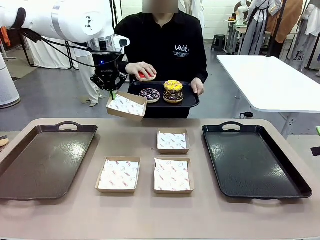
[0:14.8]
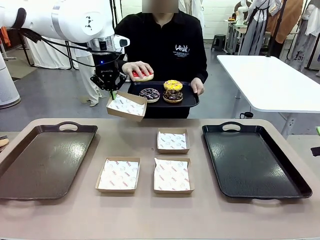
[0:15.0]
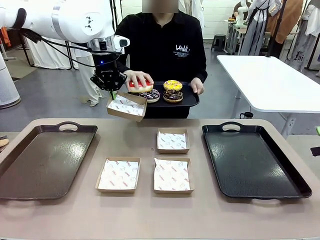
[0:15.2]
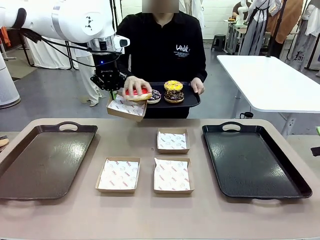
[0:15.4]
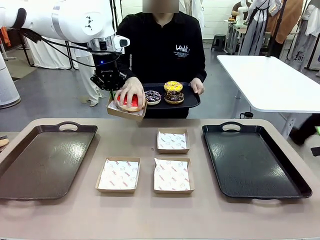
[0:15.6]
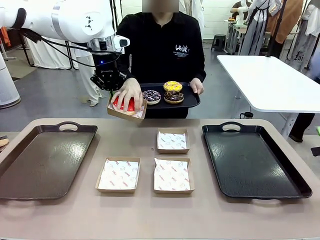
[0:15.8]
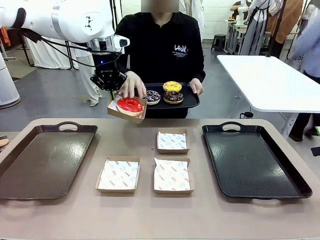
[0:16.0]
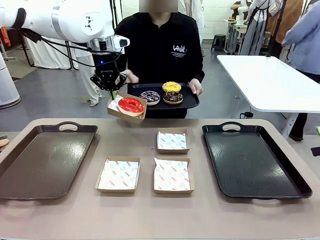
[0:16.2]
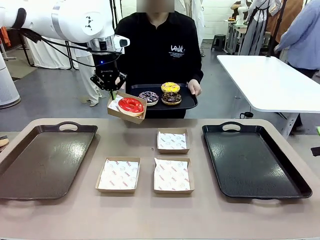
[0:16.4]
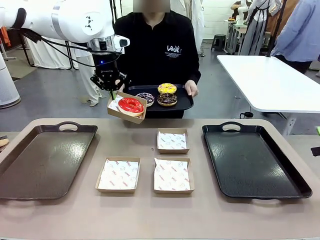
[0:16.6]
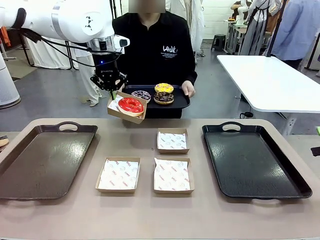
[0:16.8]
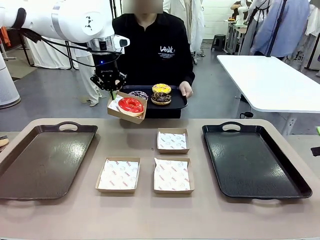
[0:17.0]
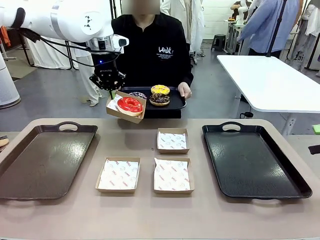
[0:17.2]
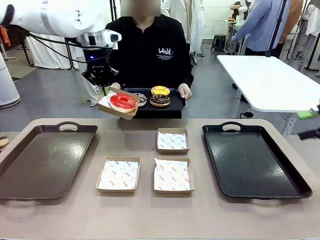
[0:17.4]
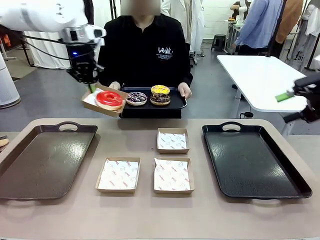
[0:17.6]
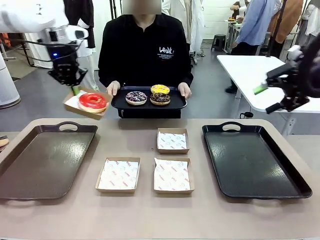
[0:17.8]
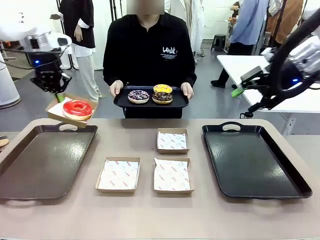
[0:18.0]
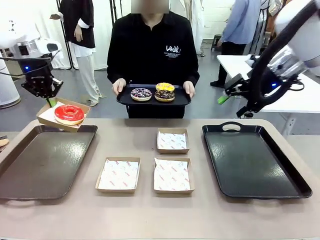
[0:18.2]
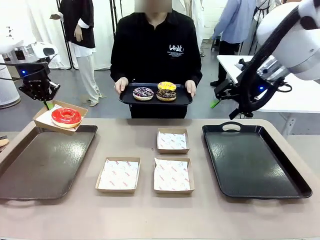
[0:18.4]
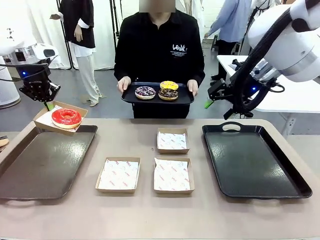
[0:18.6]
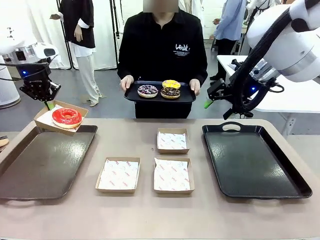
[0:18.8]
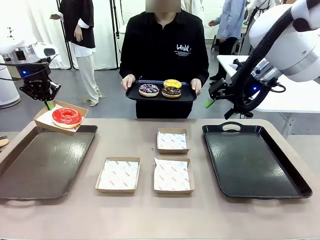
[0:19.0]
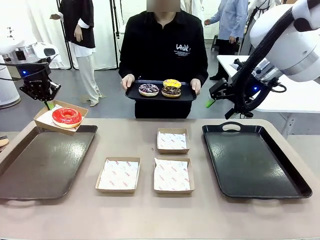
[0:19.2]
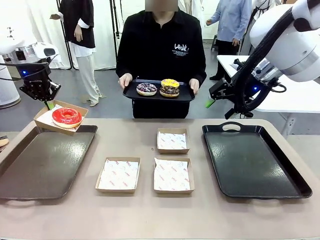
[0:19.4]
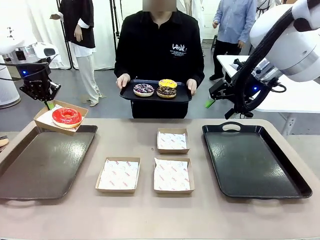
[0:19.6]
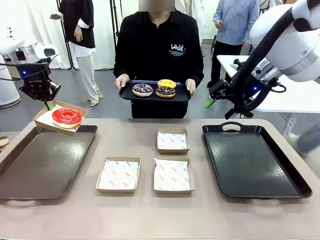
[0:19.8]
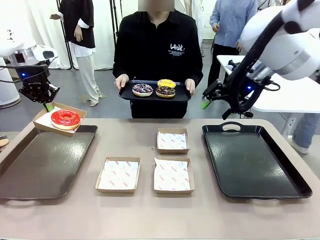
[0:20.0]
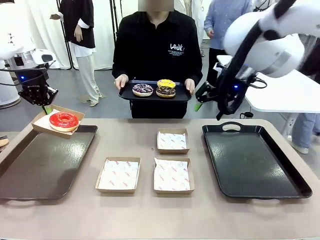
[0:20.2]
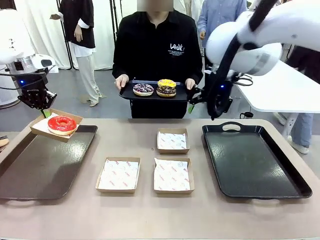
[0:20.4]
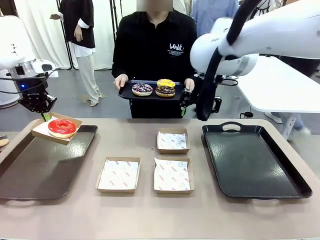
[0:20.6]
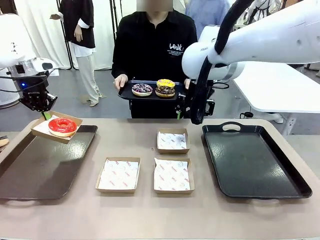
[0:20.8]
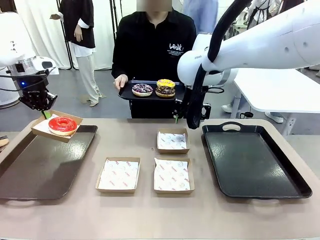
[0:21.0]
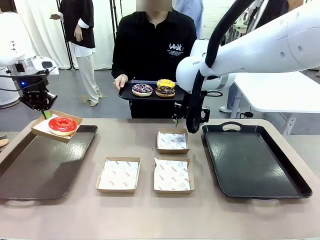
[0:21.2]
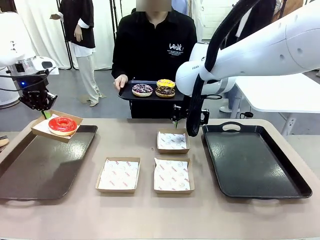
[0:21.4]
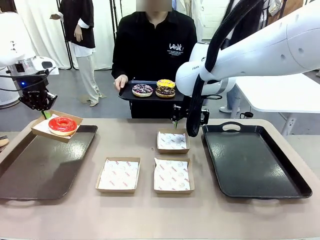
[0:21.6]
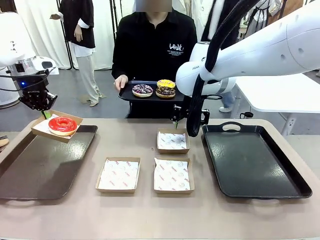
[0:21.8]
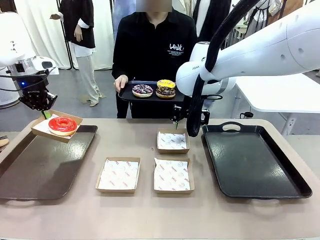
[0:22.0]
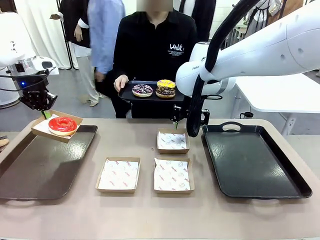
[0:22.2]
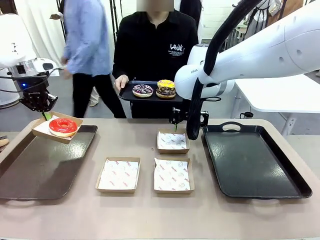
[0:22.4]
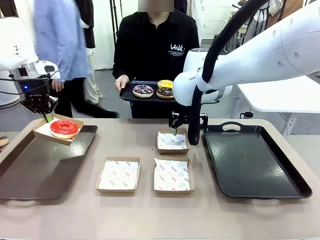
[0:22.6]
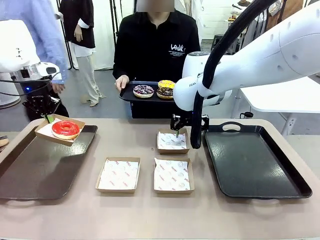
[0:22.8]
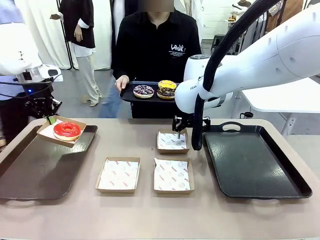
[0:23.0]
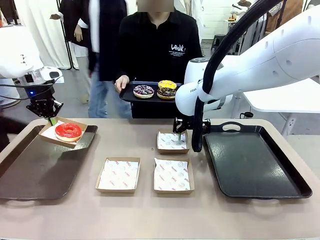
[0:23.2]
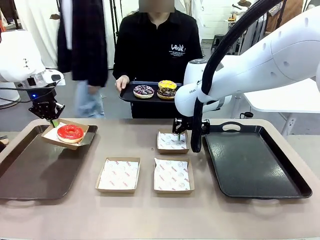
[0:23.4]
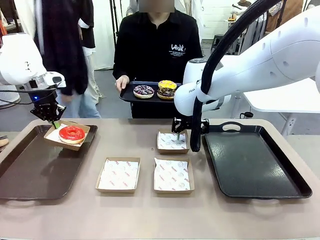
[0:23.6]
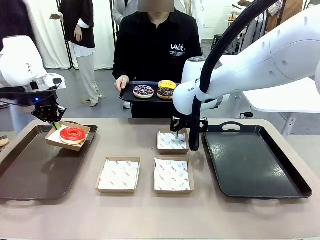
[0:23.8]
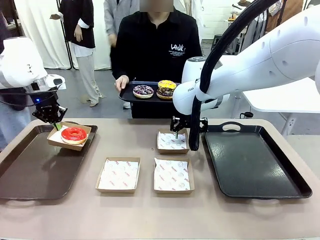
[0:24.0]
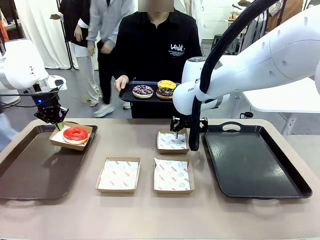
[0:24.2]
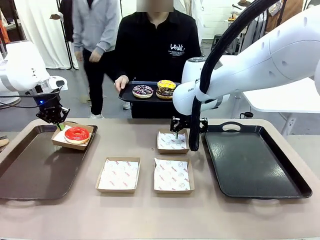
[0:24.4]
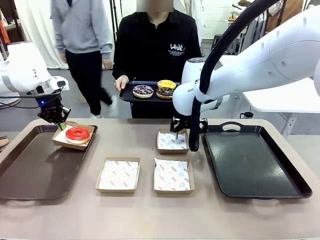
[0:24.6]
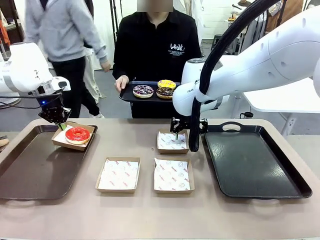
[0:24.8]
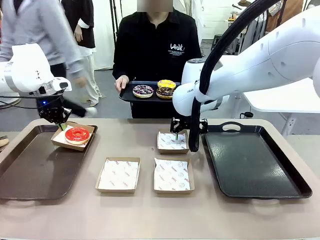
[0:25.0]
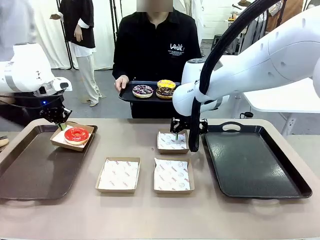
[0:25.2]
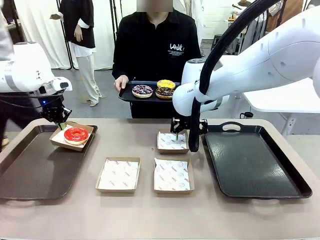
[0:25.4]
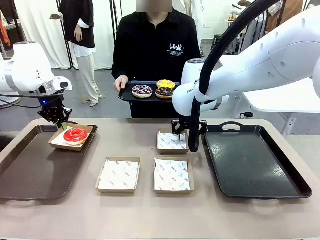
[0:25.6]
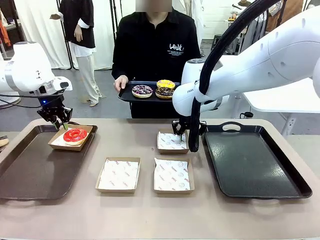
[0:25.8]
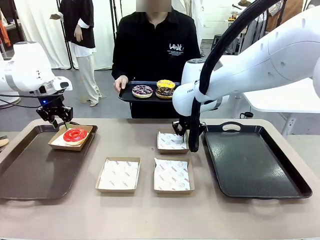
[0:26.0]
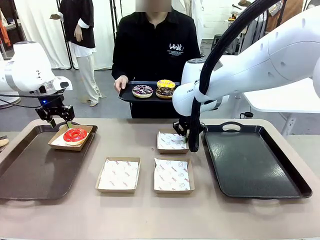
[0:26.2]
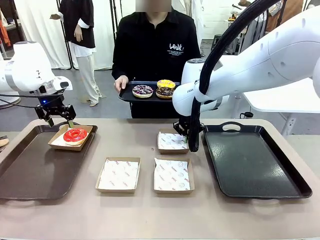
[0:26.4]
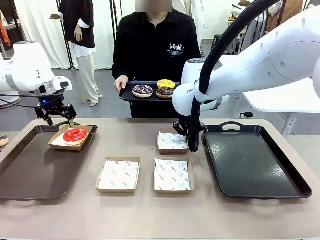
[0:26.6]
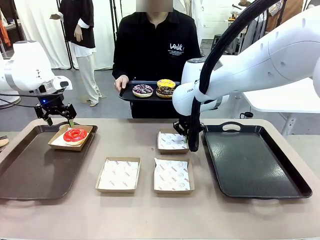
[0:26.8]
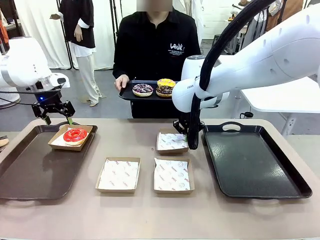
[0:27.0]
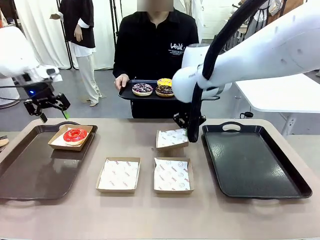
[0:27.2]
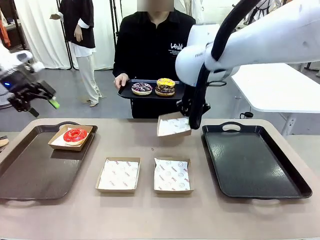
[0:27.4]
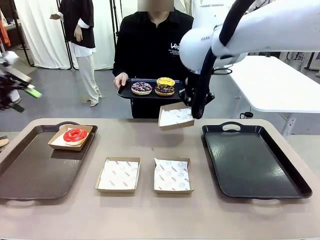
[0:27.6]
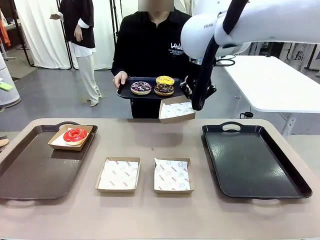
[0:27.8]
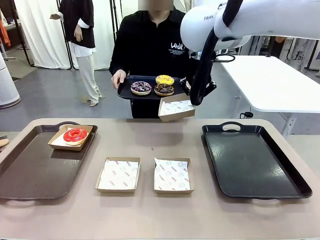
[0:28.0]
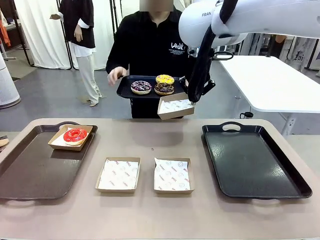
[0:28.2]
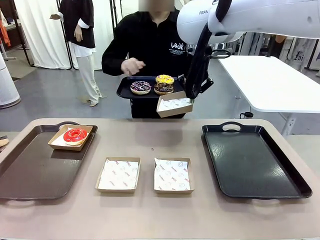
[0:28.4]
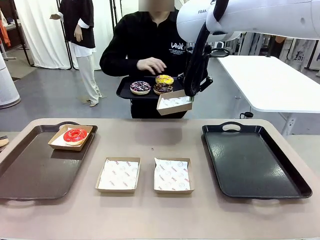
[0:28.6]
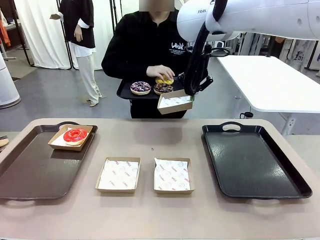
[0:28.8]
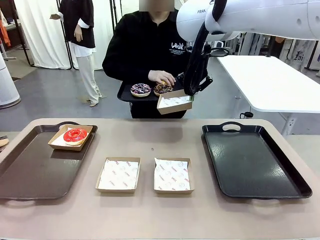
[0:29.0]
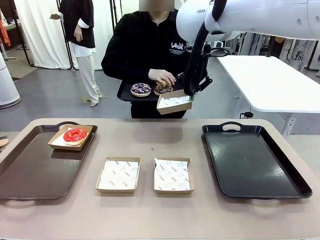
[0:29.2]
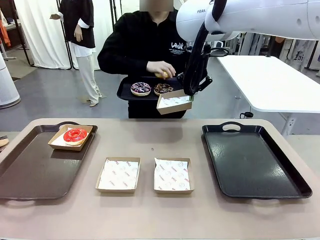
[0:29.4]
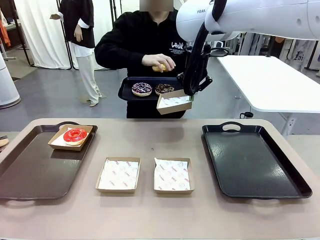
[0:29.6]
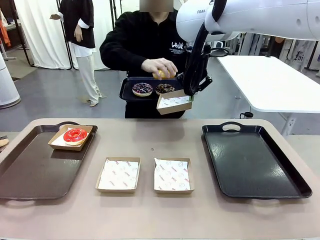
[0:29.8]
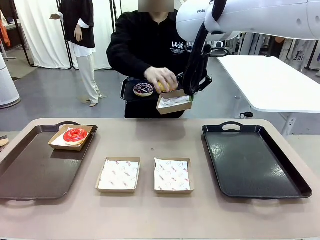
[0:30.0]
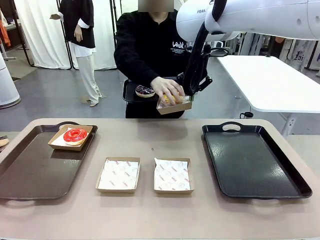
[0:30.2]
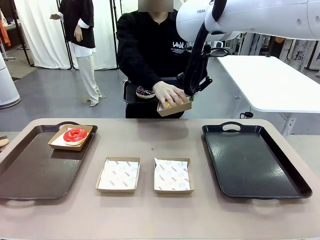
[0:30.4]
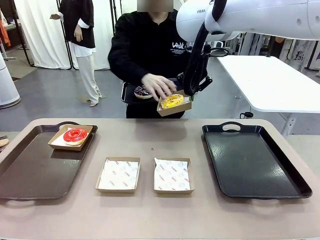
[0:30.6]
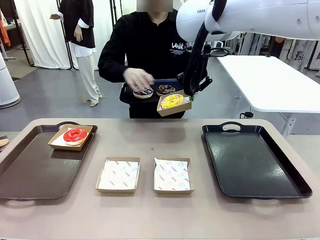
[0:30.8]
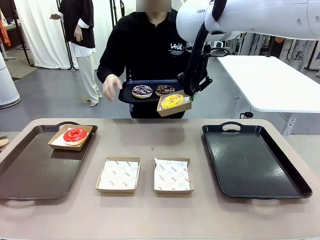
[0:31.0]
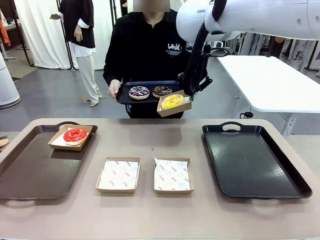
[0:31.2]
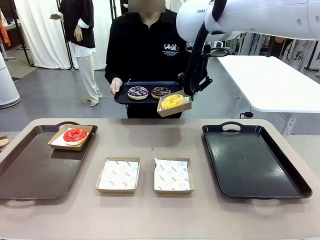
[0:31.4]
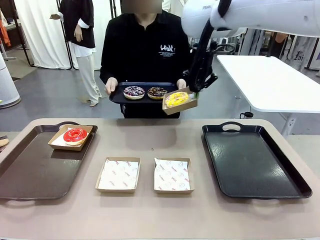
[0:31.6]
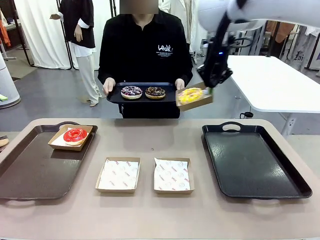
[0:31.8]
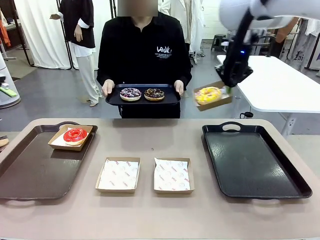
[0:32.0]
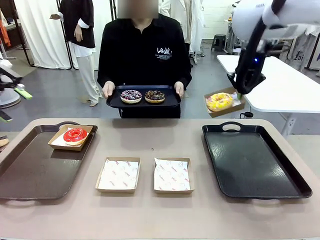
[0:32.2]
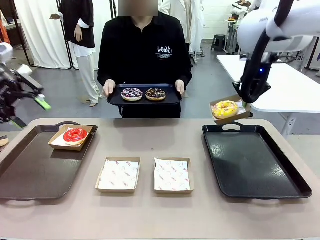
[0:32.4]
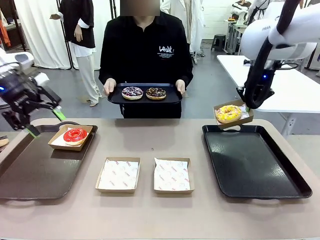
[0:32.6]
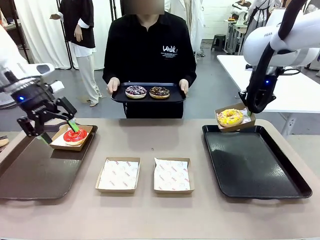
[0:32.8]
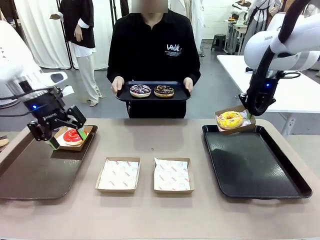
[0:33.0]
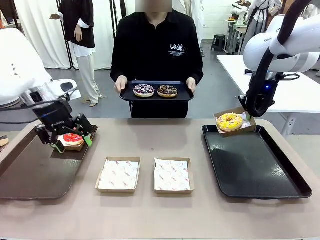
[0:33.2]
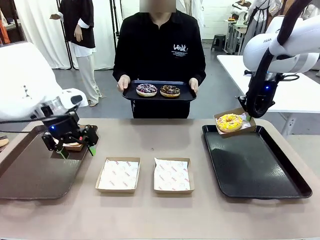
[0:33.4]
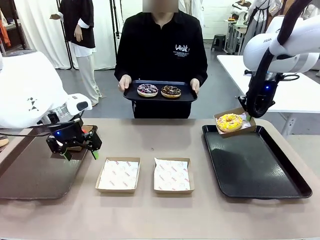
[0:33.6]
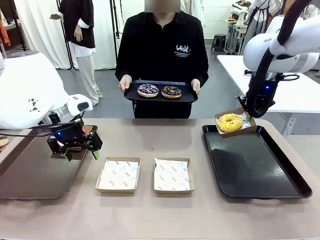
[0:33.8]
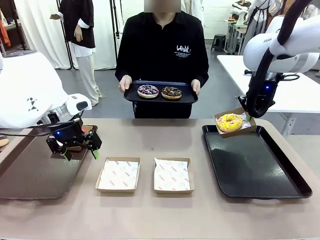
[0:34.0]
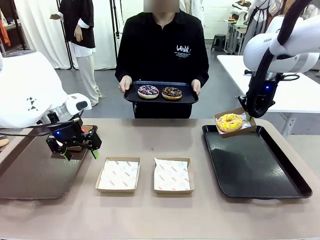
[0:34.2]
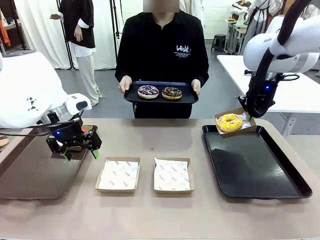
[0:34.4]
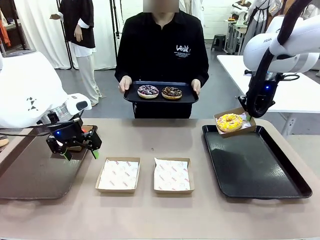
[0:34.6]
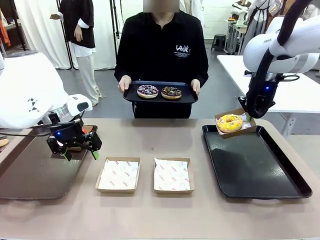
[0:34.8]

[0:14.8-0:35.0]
Task: Individually package the donuts and arrange them on the tray.
Robot: Place the picked Paper togo box on the Handle tray while simultaneously picking up another Paper togo box from the table with the other hand.
